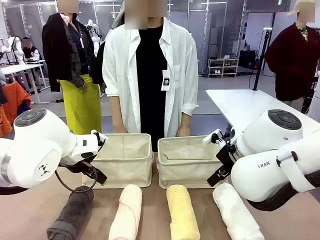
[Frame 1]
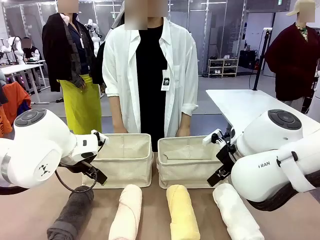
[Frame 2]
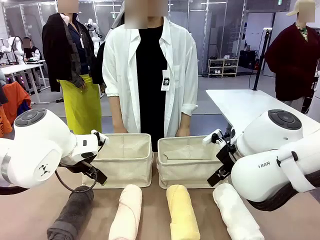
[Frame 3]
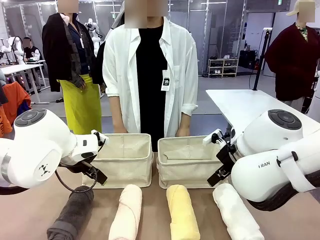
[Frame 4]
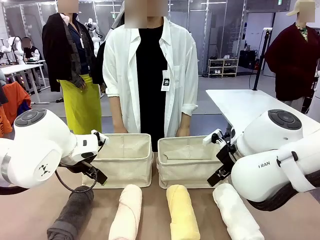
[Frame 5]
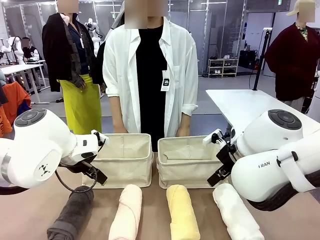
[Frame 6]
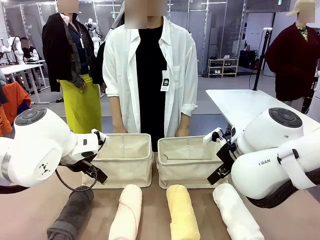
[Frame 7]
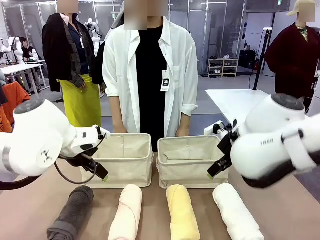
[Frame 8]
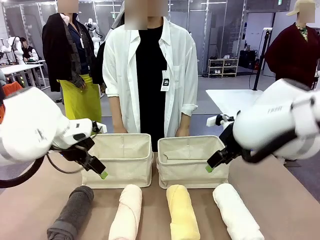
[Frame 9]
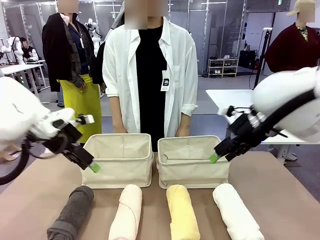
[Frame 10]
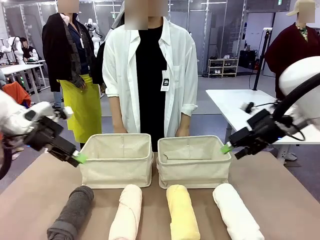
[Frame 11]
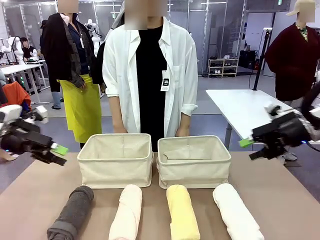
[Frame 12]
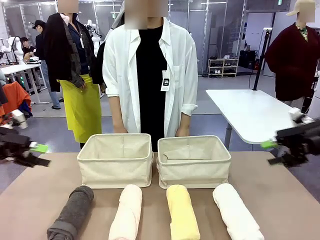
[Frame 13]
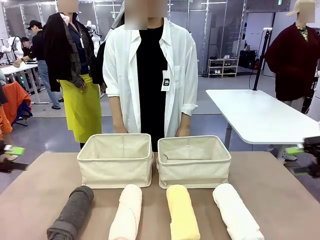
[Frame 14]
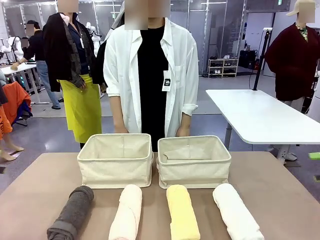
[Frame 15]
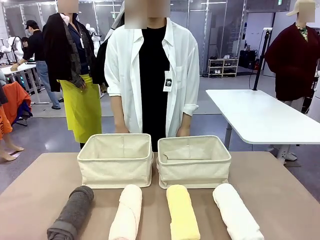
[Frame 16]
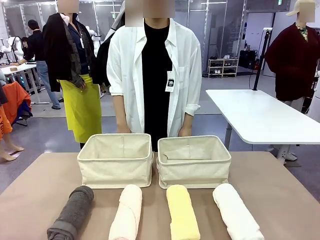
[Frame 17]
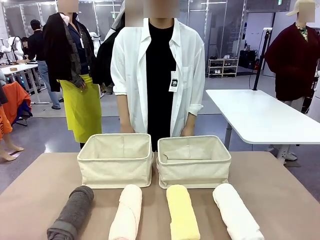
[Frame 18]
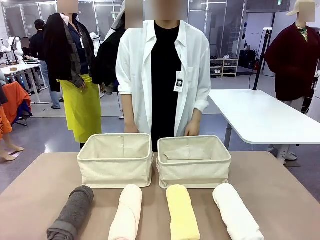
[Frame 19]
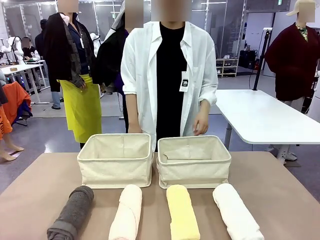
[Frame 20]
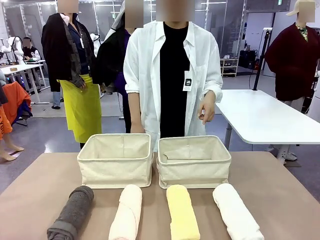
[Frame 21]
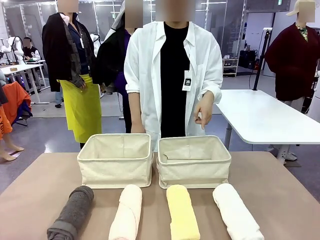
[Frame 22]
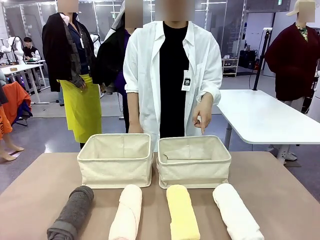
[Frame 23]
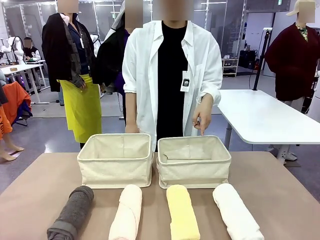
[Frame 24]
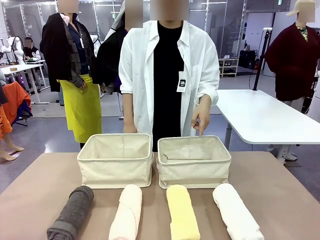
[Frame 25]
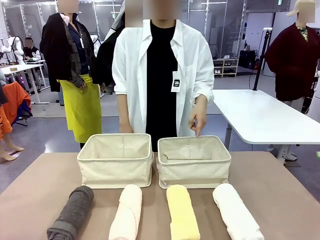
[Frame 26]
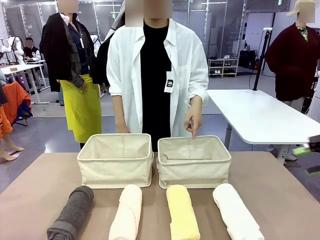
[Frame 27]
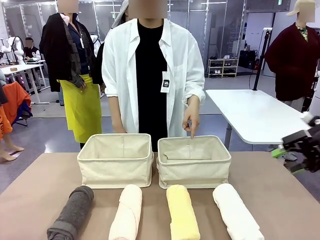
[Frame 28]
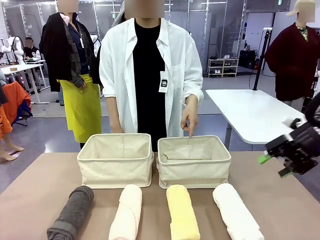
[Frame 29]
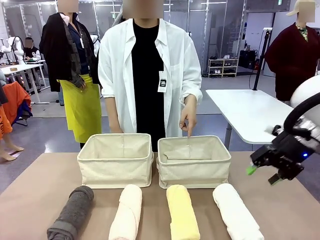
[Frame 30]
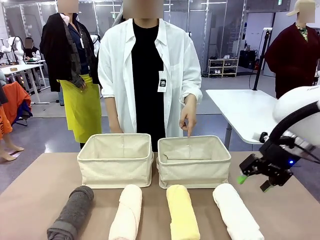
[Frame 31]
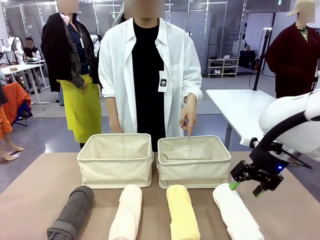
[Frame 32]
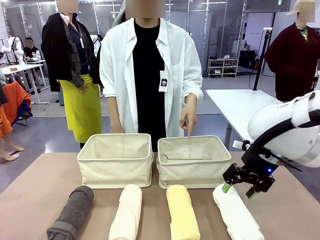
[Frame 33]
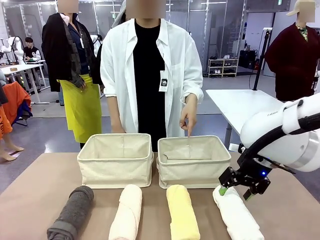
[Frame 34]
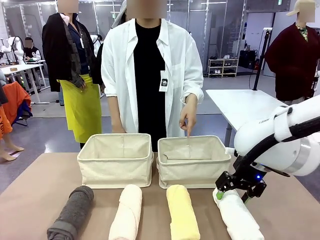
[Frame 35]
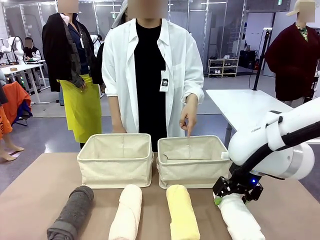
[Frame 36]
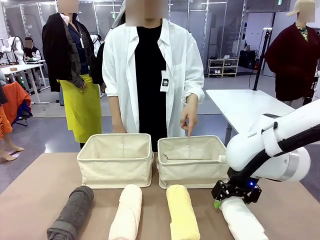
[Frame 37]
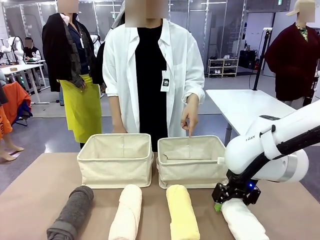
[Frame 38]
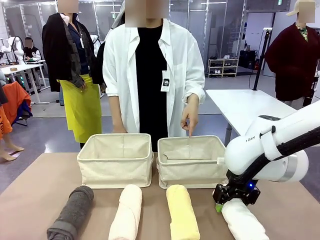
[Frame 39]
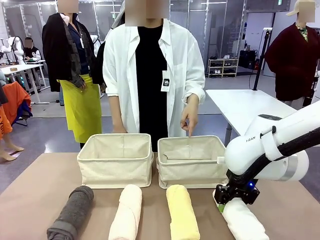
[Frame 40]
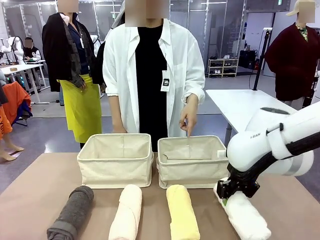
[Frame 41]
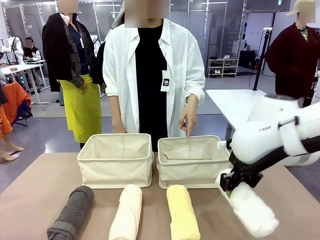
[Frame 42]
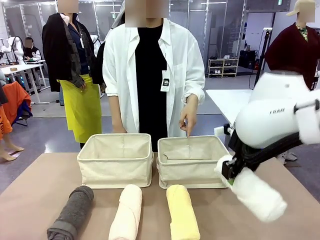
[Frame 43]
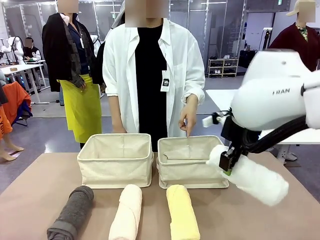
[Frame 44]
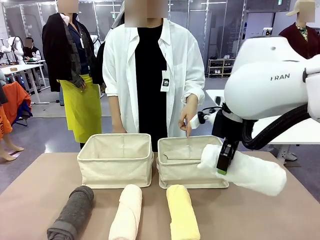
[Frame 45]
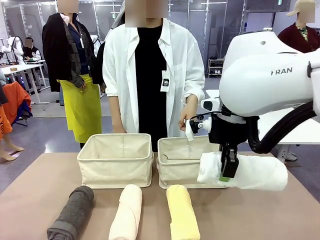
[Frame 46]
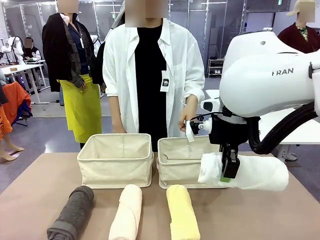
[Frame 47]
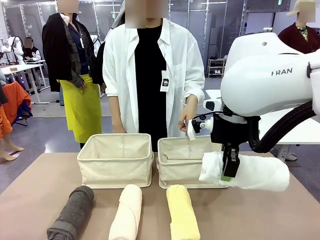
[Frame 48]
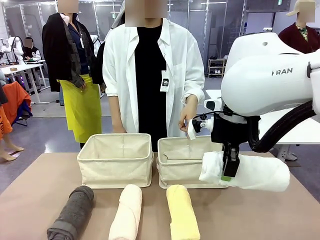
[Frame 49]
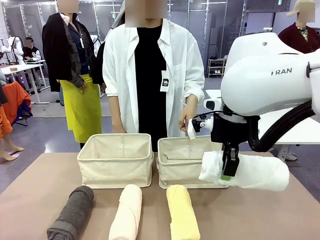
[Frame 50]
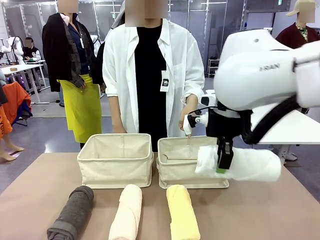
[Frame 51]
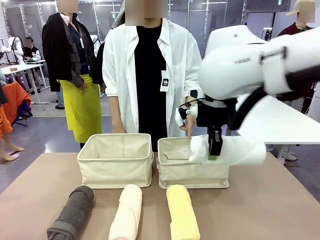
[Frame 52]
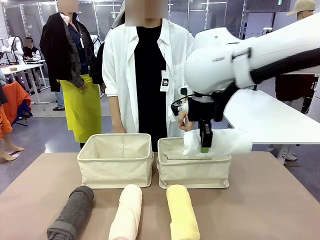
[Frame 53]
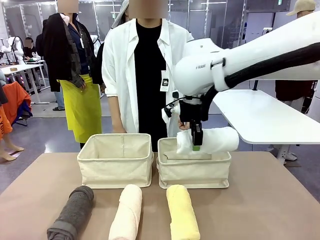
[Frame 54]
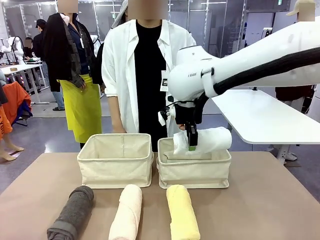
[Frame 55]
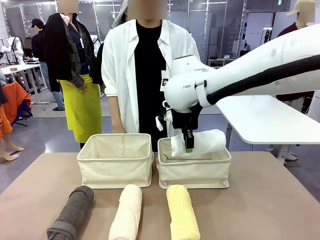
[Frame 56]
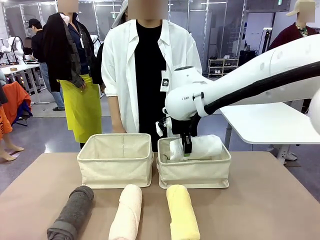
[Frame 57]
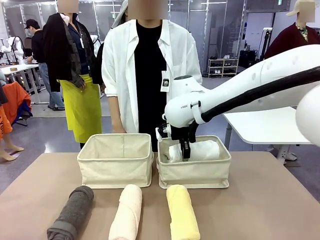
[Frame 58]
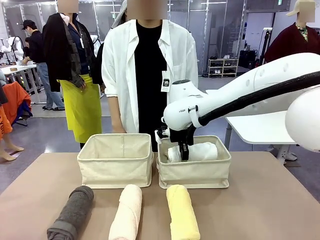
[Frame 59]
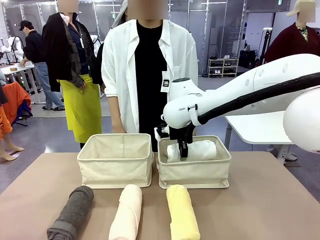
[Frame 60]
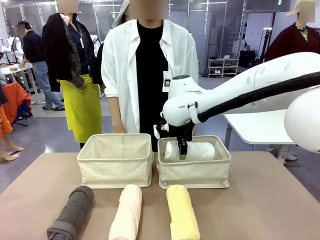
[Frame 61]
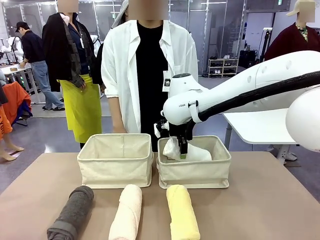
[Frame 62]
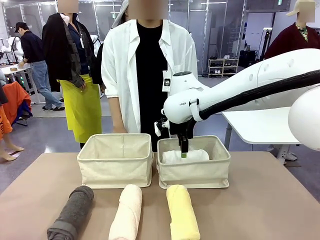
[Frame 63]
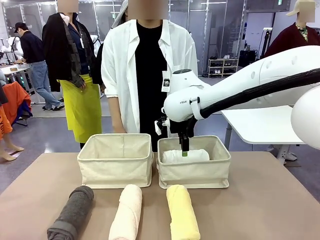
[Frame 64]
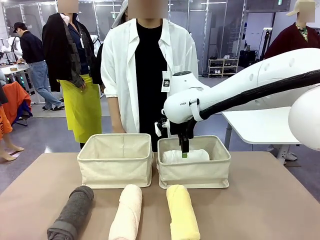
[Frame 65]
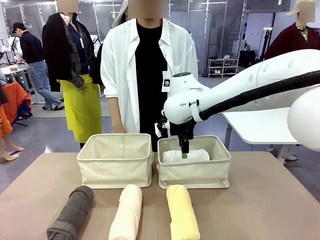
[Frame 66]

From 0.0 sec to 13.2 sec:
Task: Divide the towels into two baskets.
Robot: Pick up one hotel-folded towel and place it in the Fabric basket indicated by the person.
